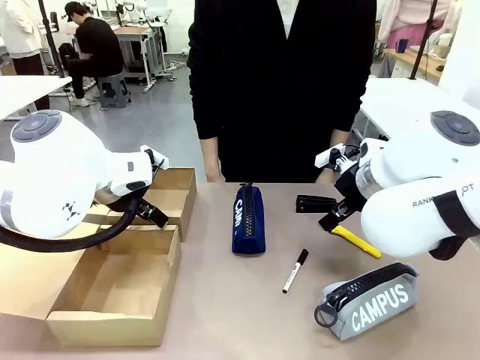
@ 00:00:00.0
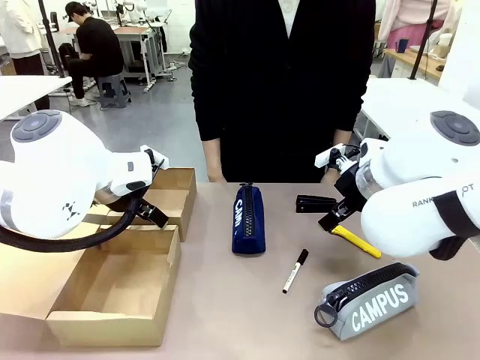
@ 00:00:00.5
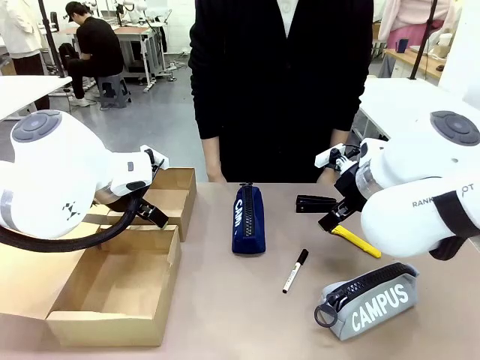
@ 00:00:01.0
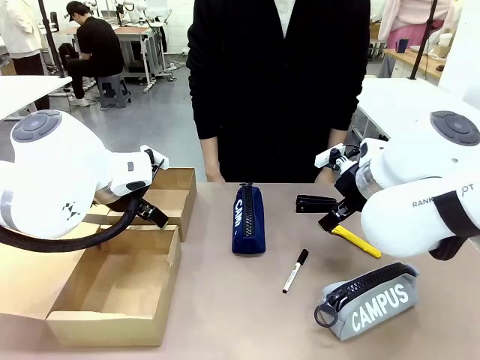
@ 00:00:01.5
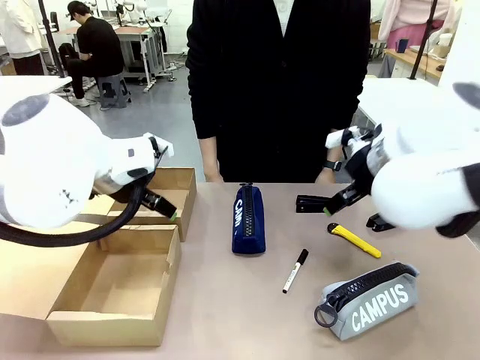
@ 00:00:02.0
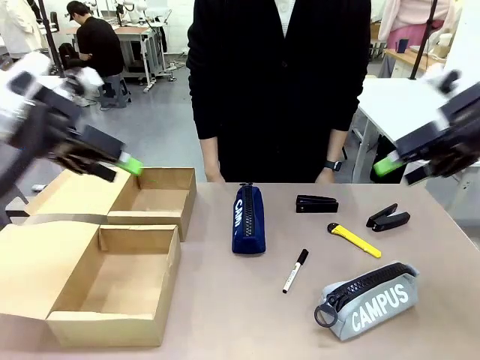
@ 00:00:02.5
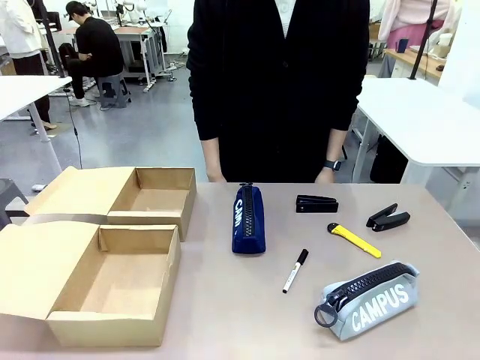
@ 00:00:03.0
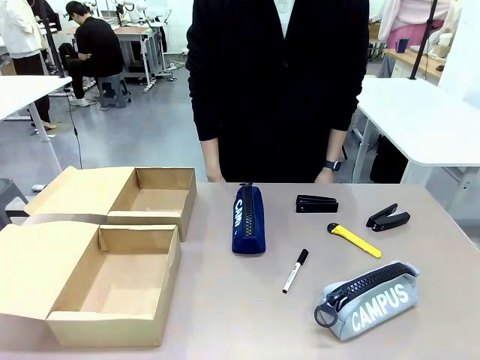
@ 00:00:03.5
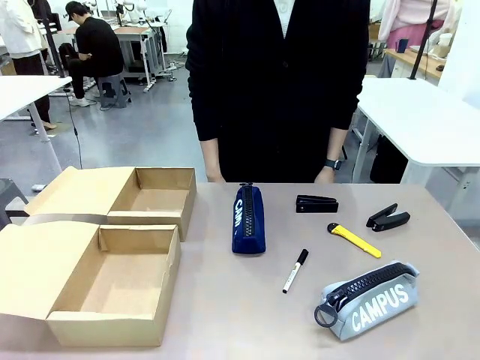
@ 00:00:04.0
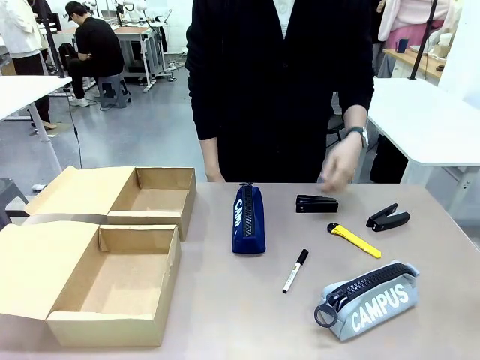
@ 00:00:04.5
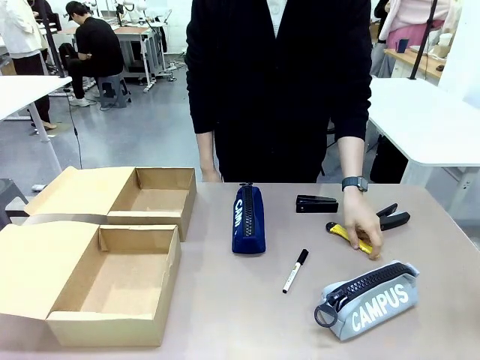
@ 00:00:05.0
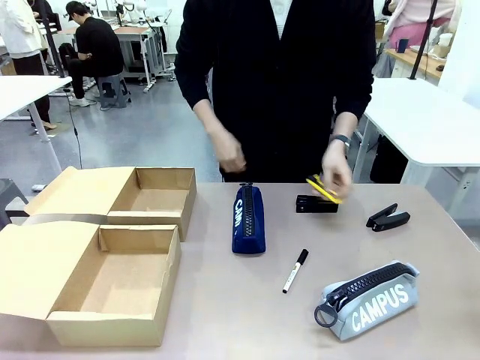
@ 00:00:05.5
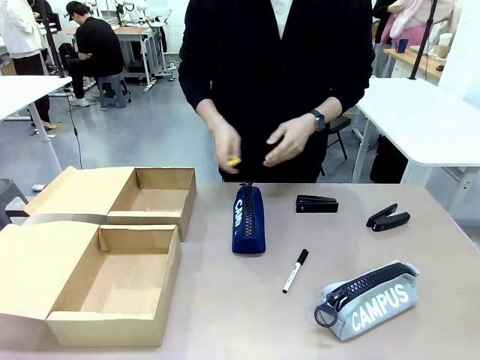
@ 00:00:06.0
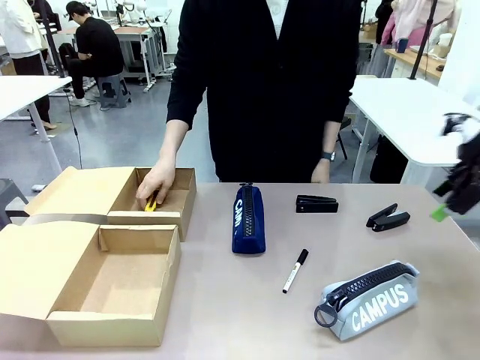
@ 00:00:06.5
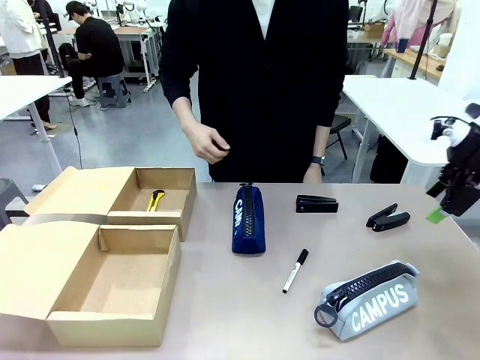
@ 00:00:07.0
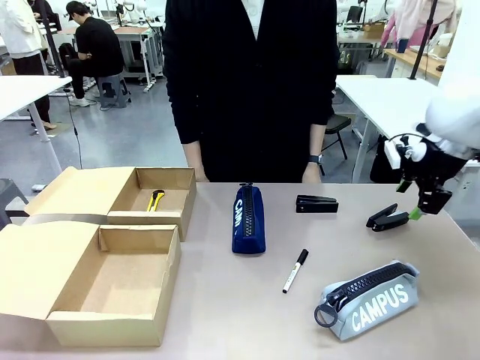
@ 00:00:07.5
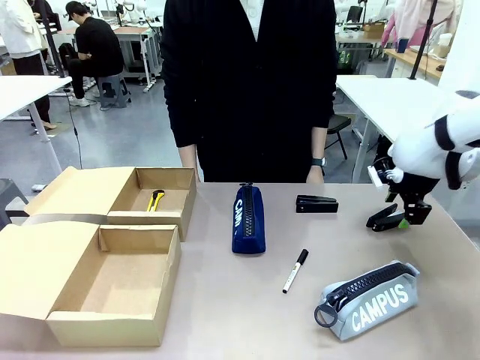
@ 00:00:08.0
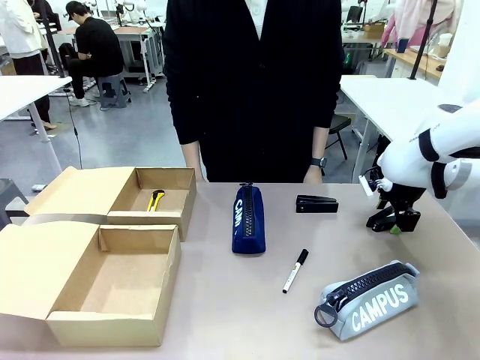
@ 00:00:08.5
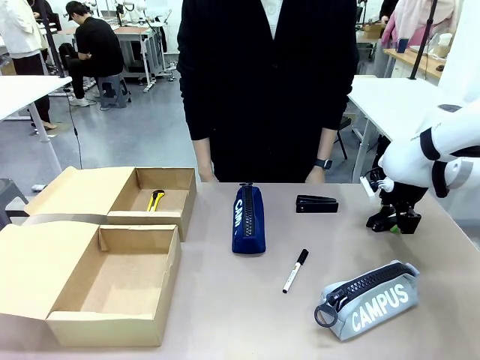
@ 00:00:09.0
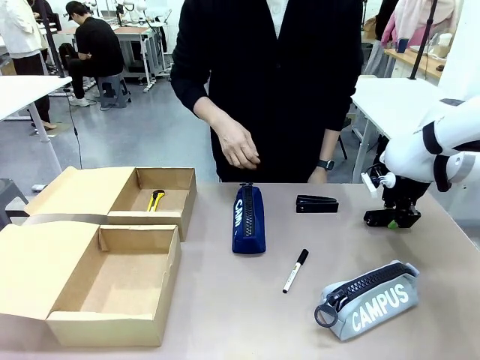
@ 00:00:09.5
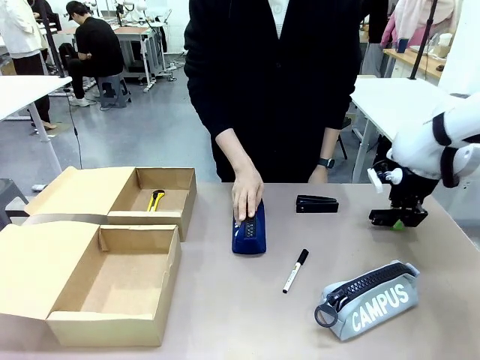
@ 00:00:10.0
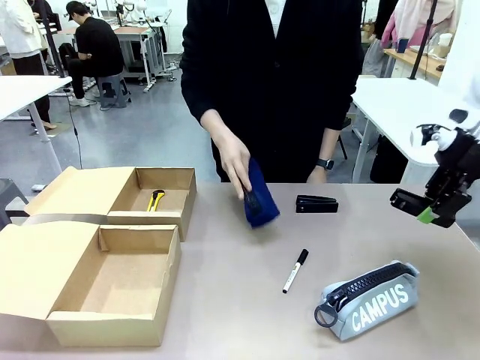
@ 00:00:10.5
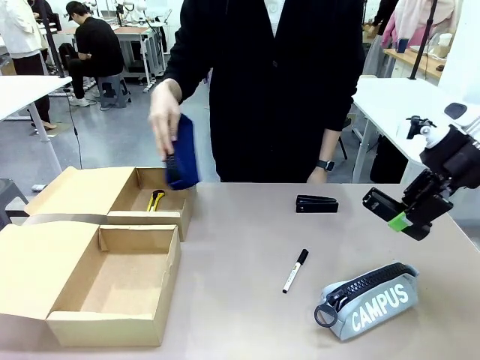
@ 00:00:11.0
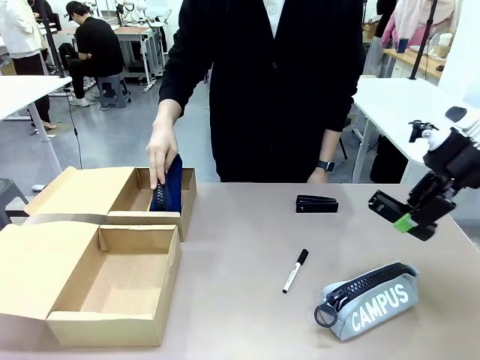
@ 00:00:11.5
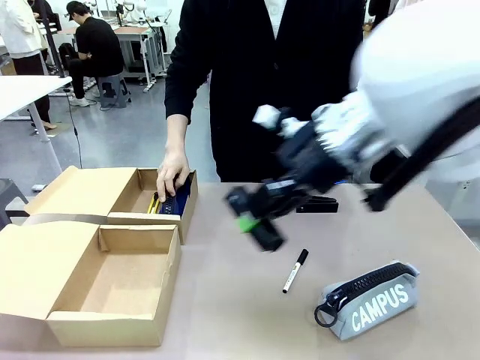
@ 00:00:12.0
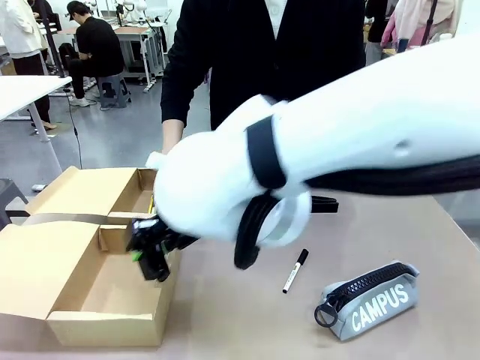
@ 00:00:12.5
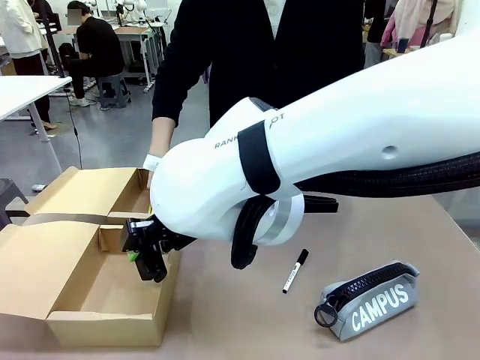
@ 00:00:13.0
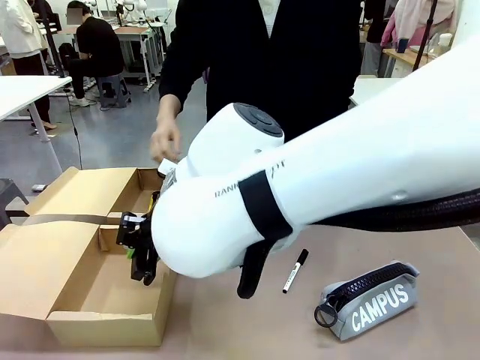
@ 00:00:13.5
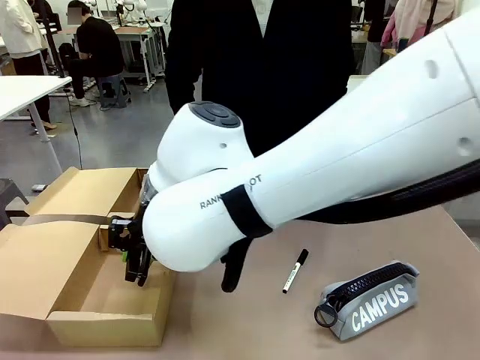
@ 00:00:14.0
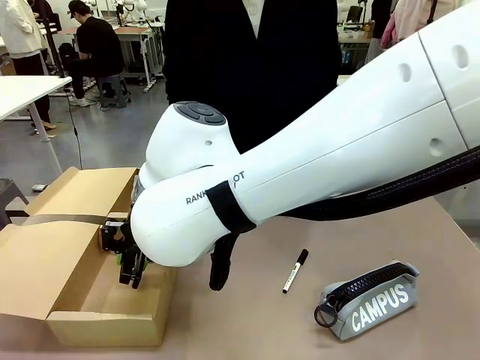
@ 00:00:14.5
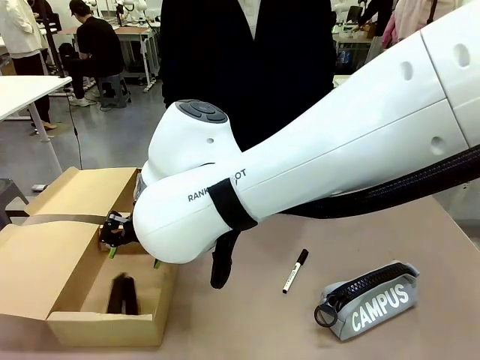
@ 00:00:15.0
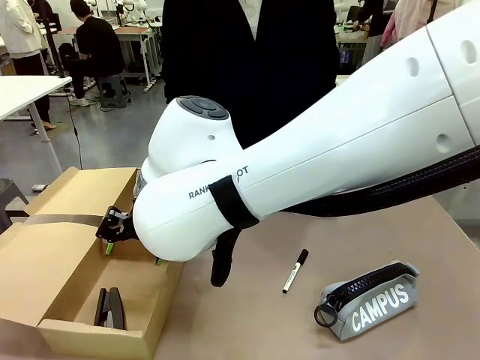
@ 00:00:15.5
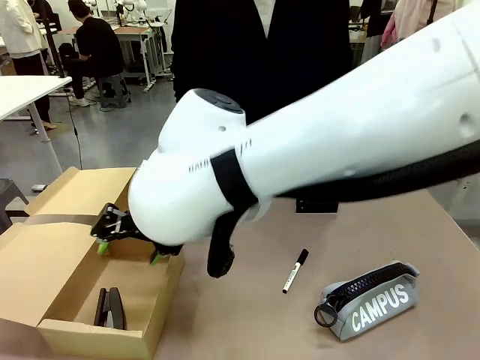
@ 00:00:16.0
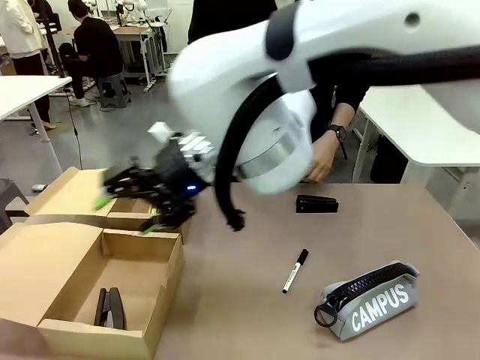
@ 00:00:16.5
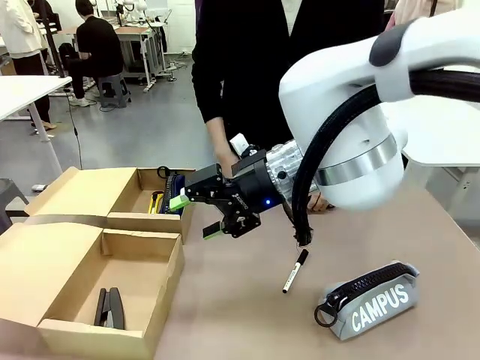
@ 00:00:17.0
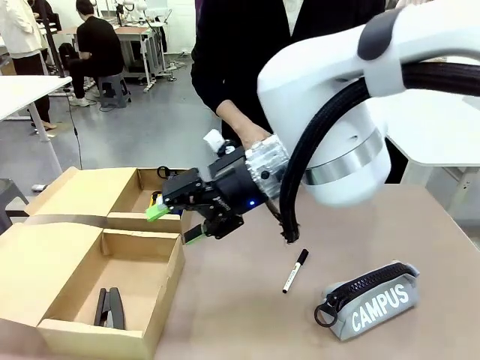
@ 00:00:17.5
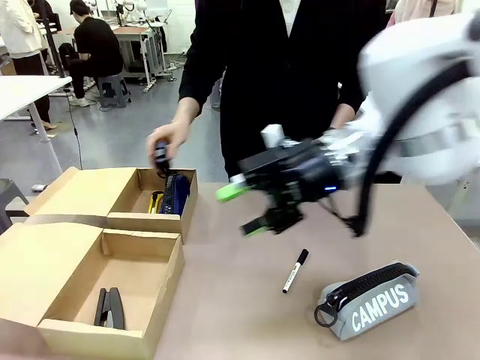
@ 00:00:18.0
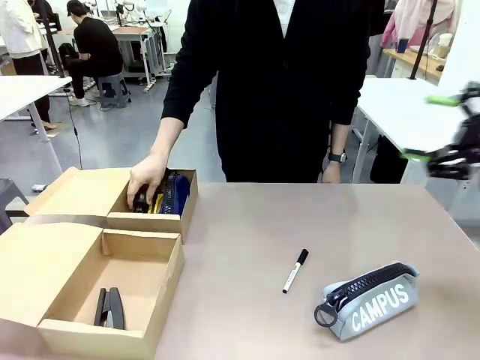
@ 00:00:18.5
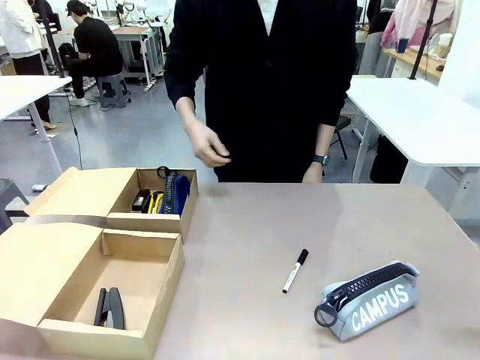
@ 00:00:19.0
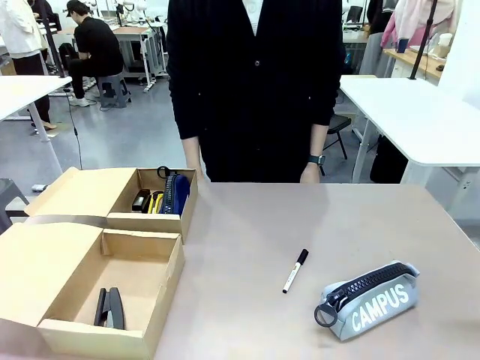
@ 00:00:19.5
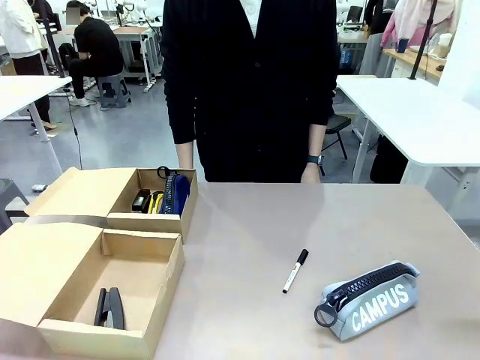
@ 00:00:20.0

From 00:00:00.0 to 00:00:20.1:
Task: Place items inside the box.
Robot: Pick up a Pencil pouch or Stapler and place it inside the Mailer Box closest to the robot.
Person: Pick up an object on the table and put it in the box.

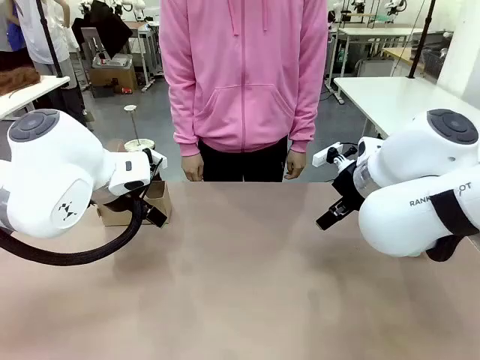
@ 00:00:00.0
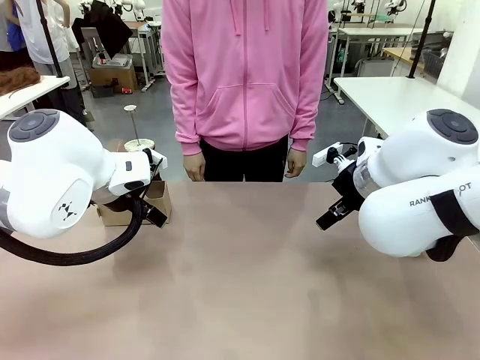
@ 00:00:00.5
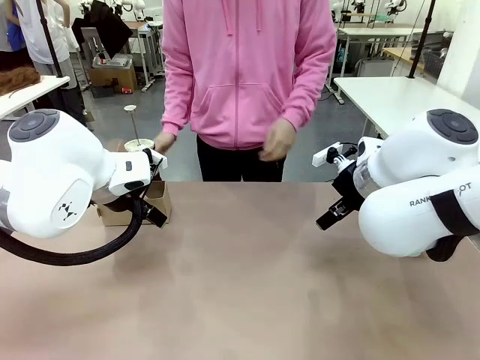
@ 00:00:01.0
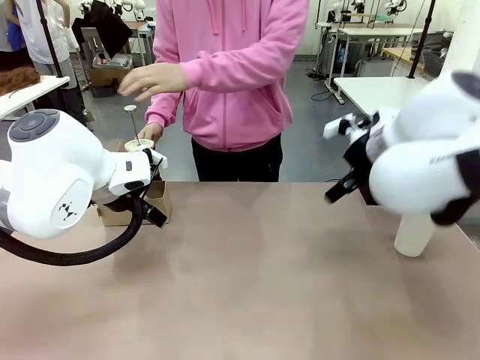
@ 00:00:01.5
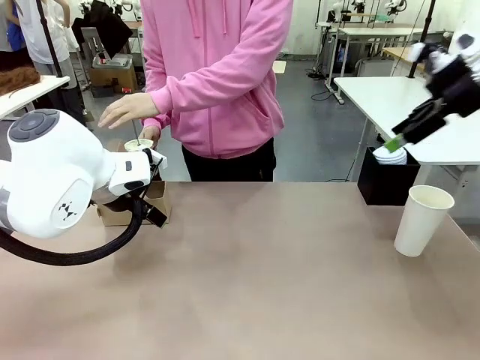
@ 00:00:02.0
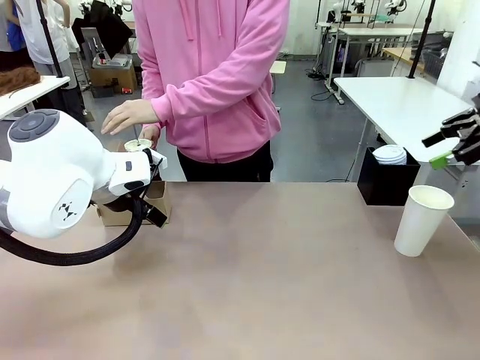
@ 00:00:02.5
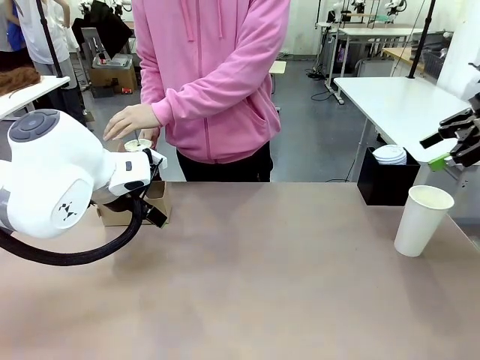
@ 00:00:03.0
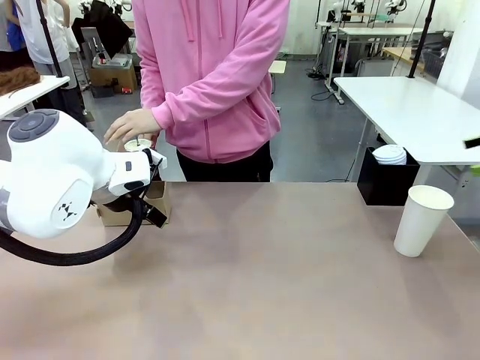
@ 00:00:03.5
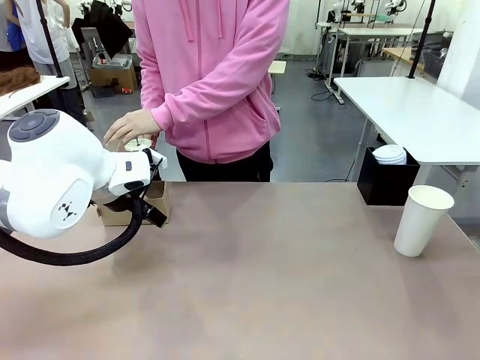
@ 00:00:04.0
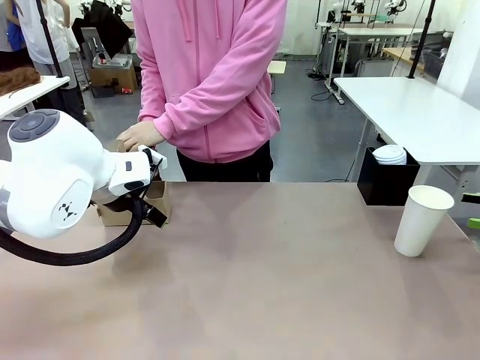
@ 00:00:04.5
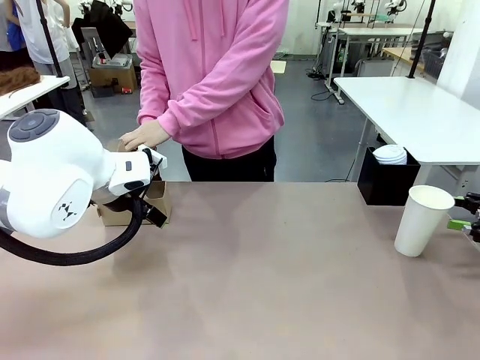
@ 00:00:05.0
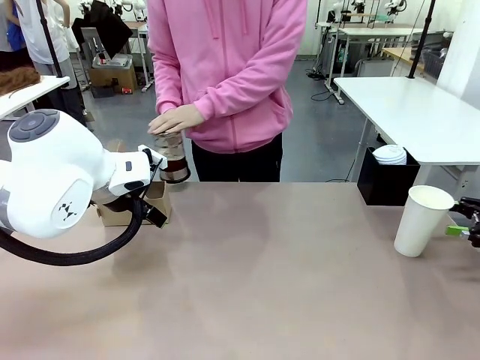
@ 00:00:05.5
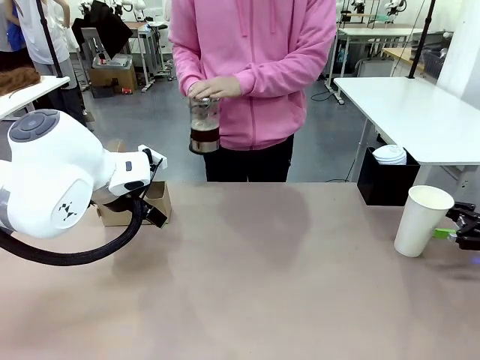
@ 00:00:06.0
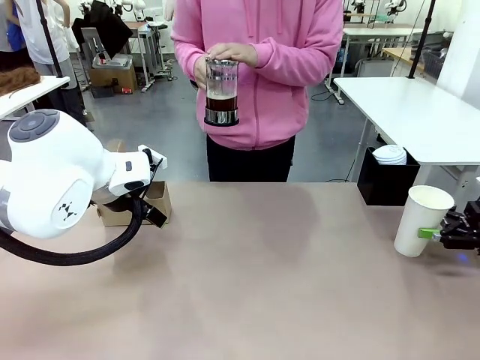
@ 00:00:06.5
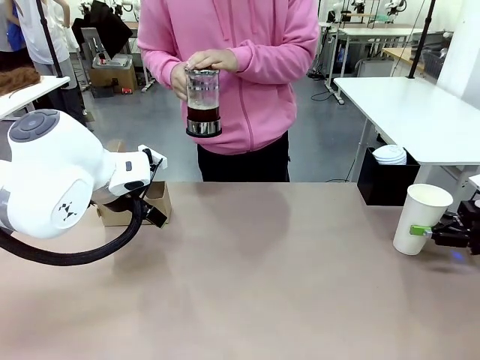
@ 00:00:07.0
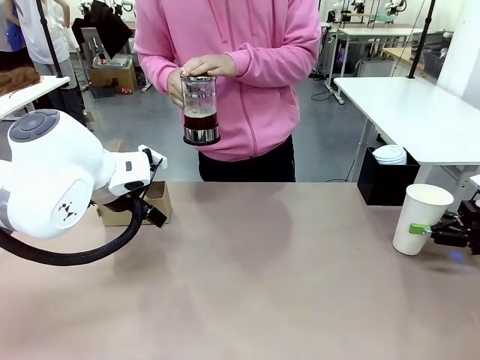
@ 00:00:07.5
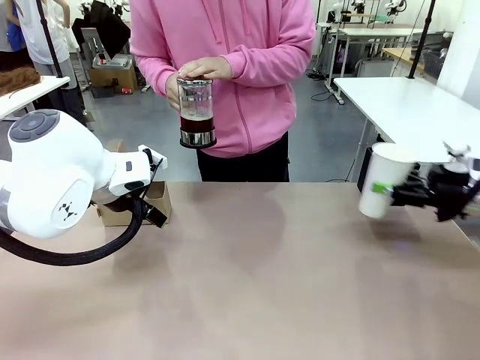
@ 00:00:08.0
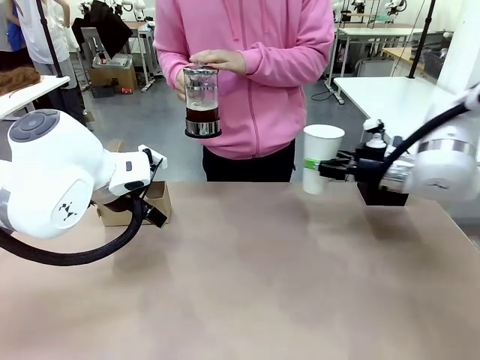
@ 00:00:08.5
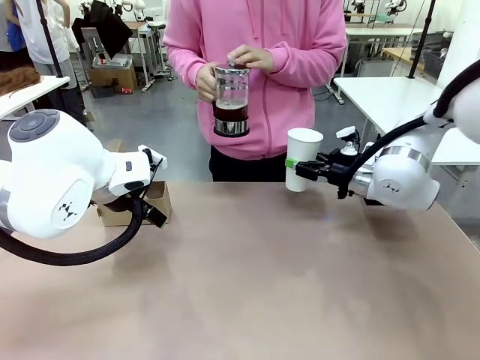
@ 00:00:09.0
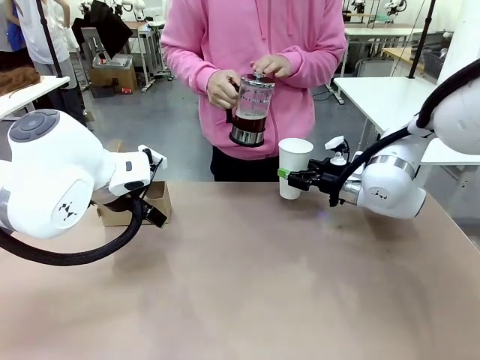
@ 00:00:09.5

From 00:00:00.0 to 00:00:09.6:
Task: Pour a drink into a cup and package it in a carrier.
Robot: Pick up the 600 ml Paper Cup and place it in the middle top area of the table.
Person: Press and pick up the Filter Brewing.
